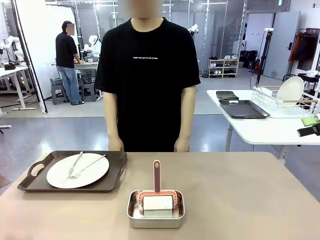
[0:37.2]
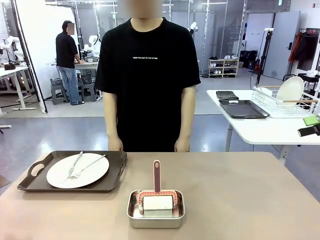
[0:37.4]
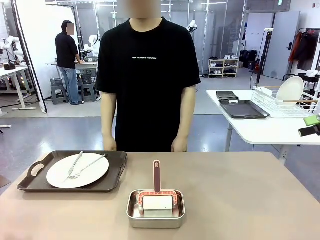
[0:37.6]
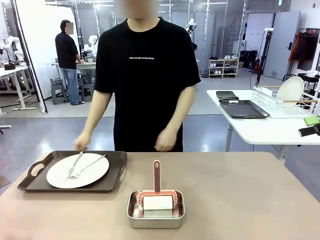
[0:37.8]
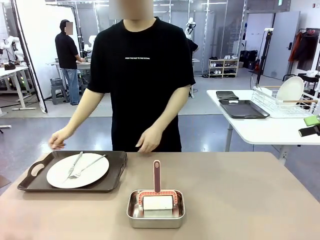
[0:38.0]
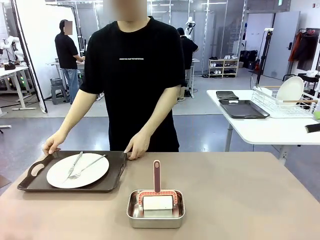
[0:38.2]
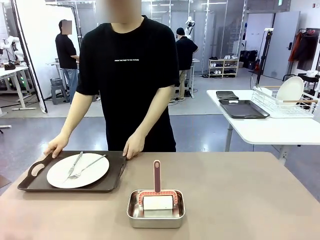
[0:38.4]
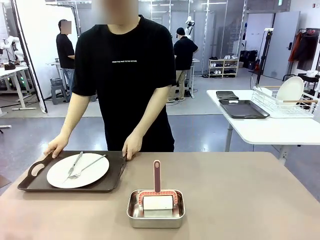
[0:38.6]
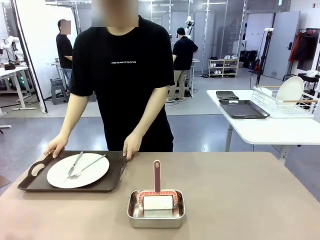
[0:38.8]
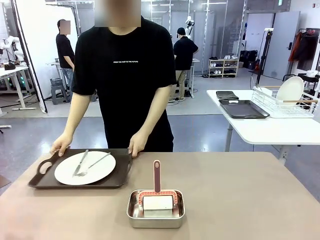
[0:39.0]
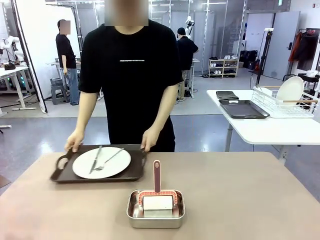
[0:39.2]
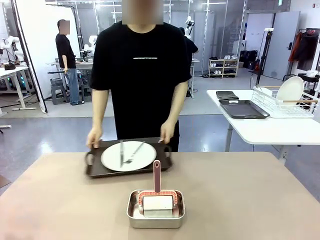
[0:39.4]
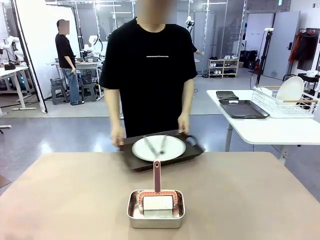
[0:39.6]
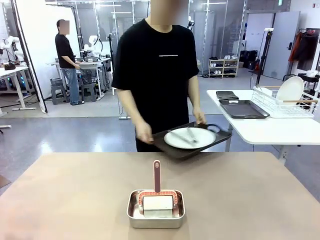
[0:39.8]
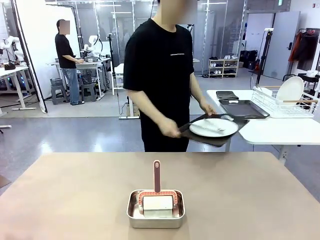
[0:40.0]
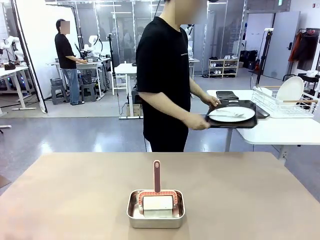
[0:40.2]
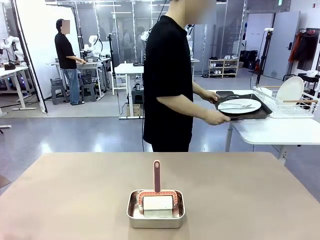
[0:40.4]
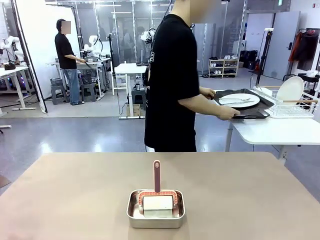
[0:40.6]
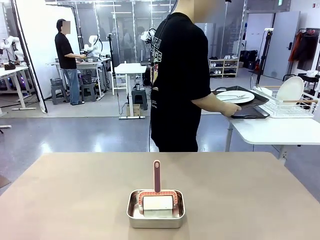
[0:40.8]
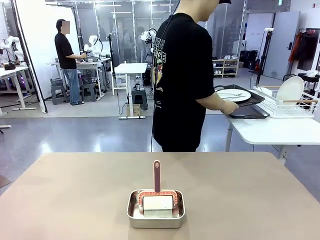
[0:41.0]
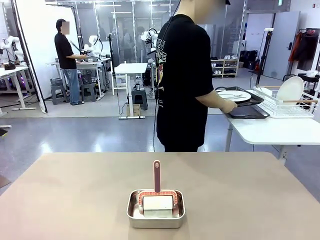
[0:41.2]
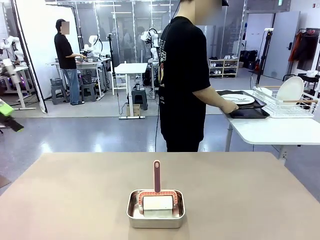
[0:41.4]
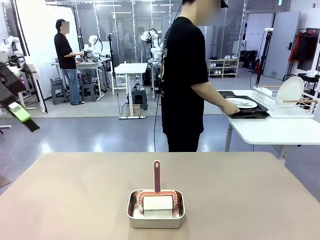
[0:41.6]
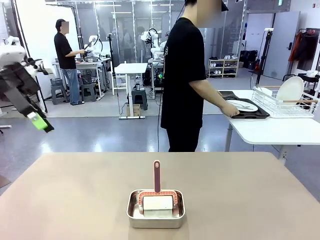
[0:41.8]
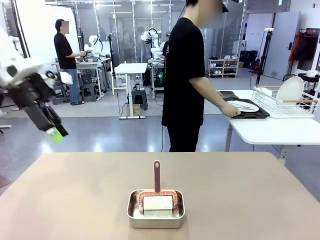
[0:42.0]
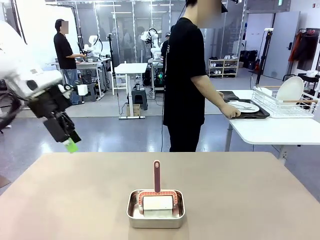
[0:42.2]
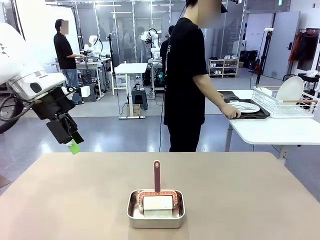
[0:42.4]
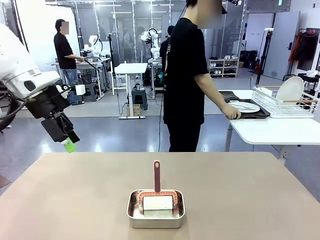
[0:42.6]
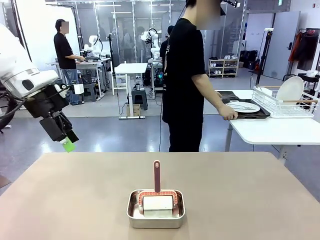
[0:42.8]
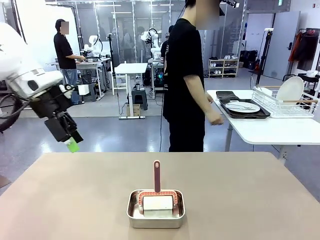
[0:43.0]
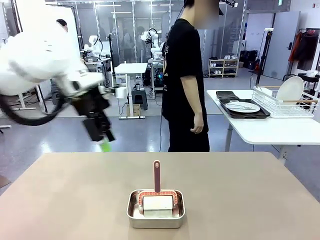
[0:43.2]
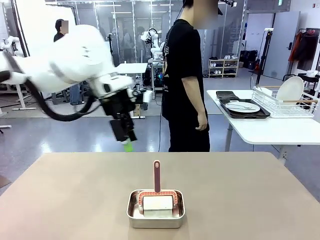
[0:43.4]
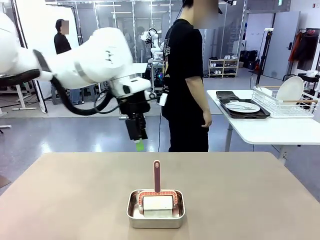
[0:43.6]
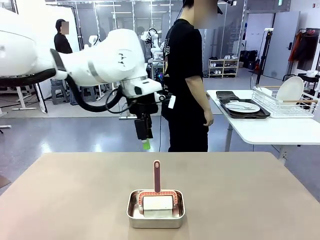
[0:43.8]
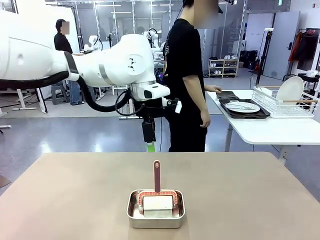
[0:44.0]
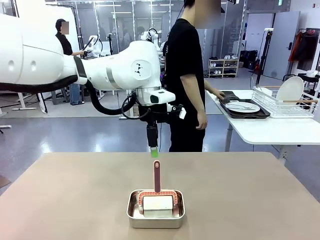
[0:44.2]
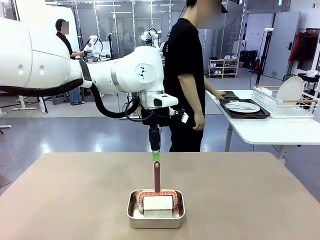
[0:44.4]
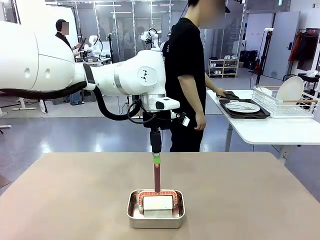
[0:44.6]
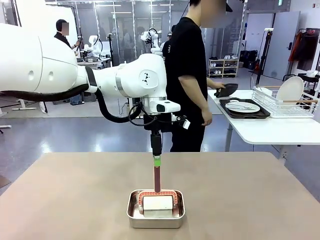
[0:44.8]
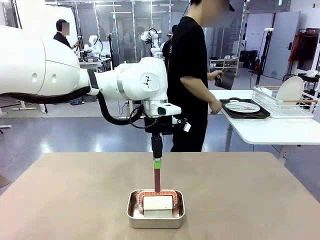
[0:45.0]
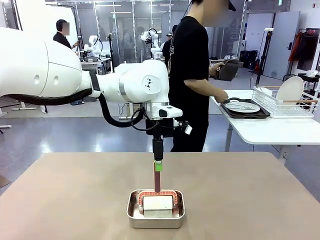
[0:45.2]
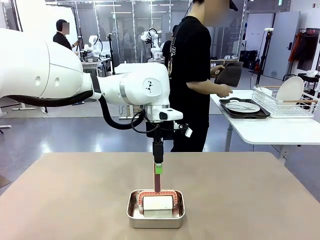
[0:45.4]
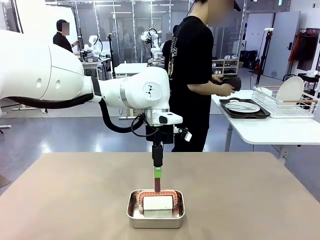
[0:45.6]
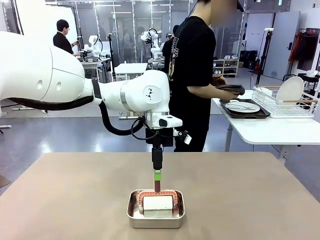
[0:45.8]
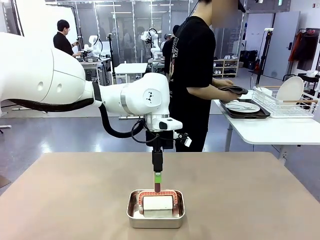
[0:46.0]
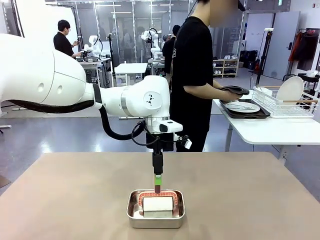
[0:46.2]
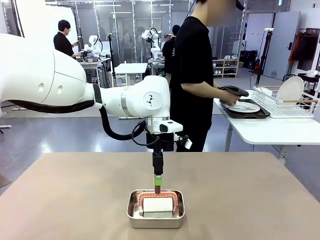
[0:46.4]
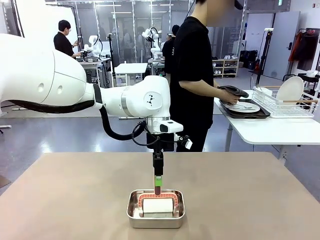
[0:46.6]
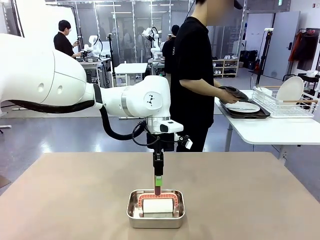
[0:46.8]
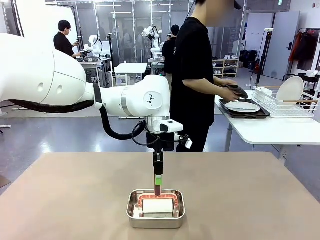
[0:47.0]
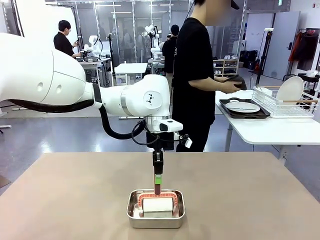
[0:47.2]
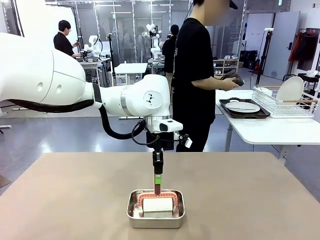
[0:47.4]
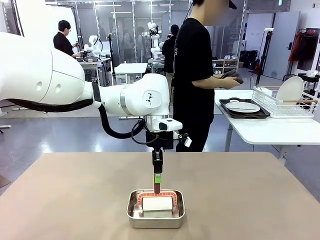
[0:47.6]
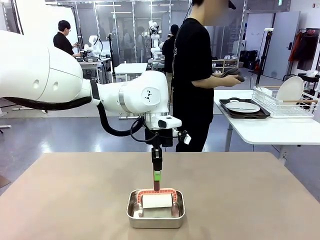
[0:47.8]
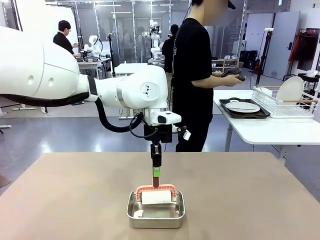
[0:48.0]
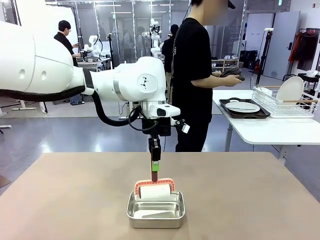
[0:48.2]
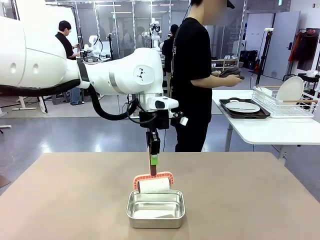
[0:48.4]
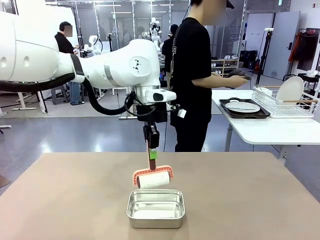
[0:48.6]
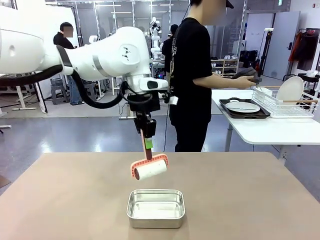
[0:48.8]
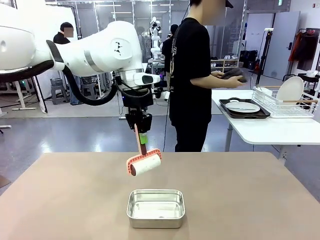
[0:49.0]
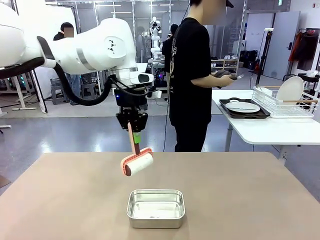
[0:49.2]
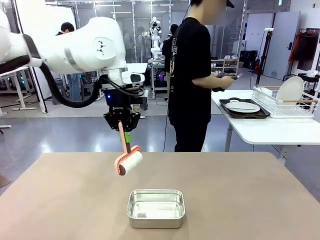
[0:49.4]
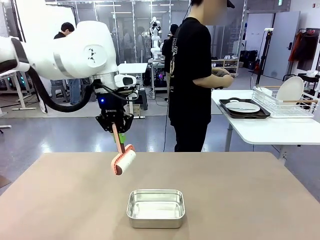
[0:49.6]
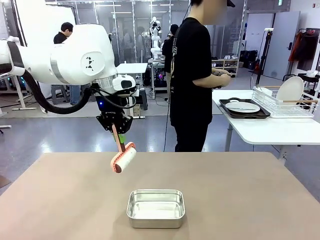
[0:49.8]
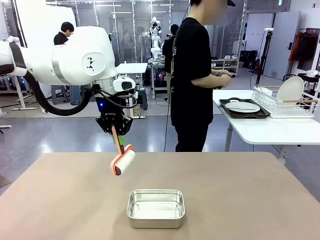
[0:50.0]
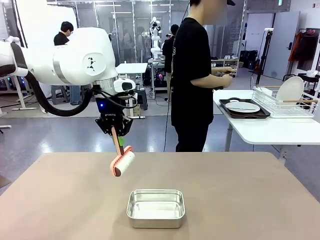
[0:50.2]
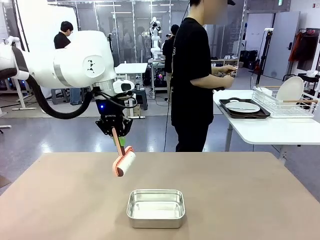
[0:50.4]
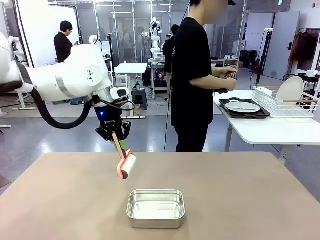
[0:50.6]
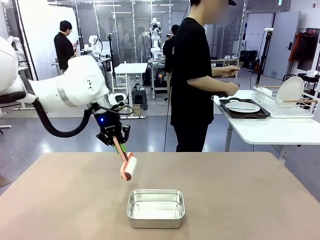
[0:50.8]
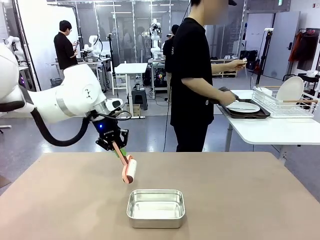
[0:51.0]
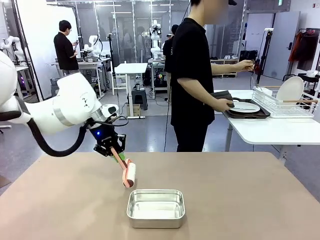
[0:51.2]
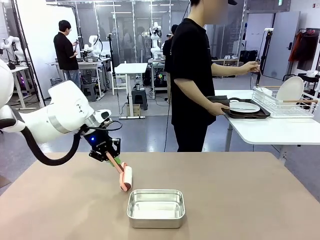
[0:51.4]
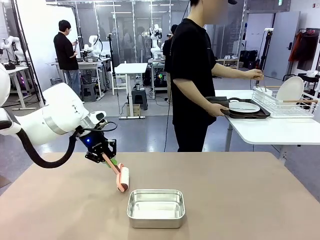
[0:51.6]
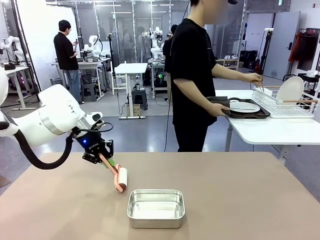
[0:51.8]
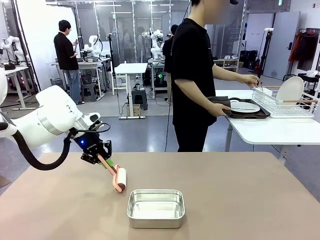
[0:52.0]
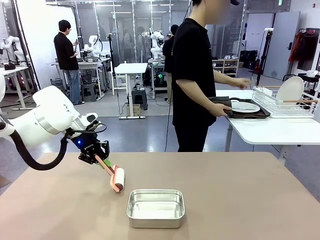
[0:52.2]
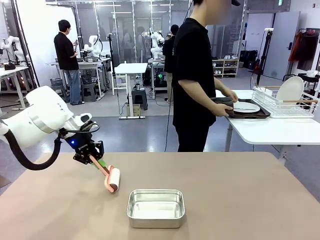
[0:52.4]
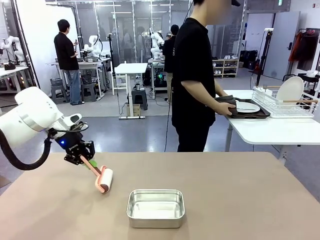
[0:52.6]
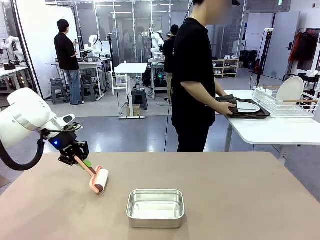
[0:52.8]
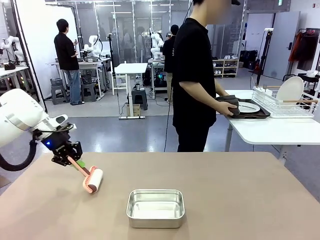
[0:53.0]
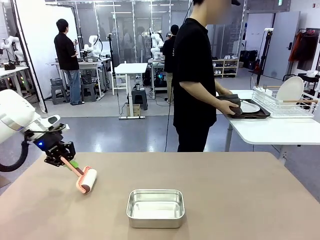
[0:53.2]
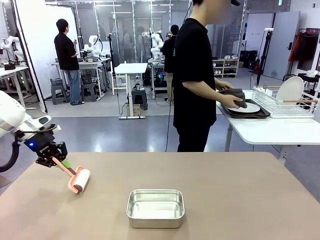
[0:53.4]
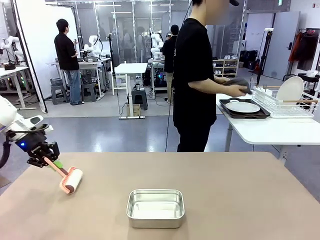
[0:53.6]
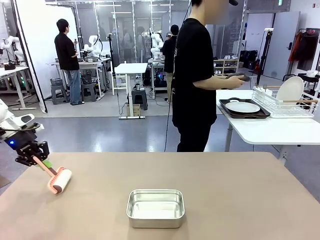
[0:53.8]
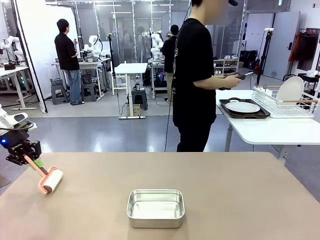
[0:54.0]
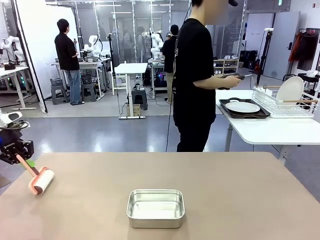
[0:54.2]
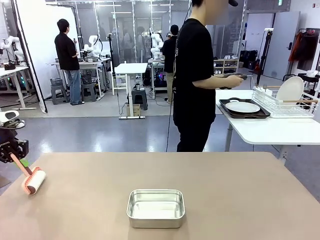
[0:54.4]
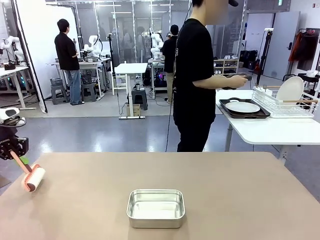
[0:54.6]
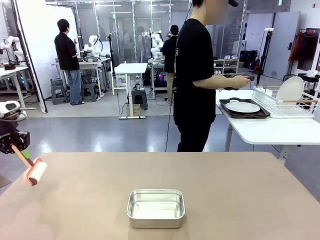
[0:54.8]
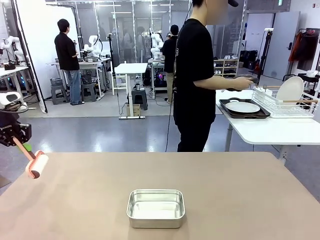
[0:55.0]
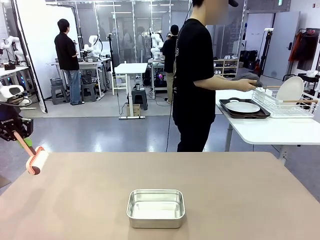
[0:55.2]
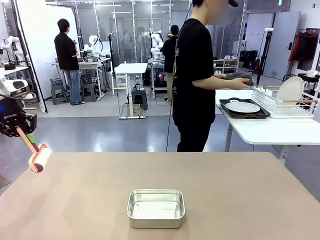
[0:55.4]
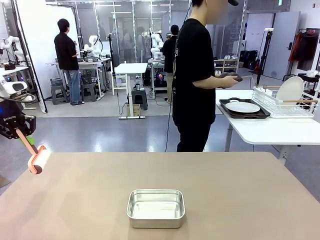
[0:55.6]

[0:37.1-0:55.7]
Robot: When the right (or left) Handle tray is removed, use the right hand (or left hand) to clean the right (or left) side of the table with the Lint Roller.

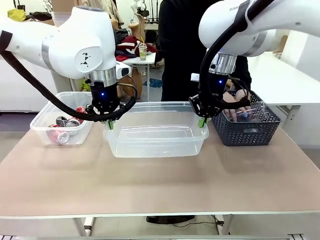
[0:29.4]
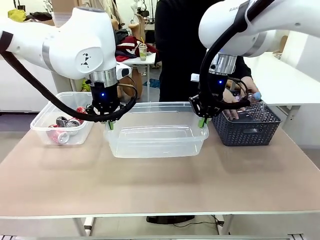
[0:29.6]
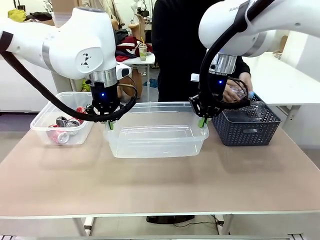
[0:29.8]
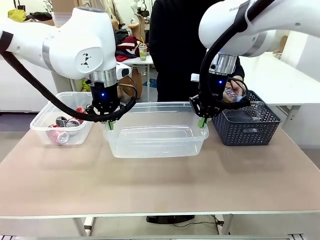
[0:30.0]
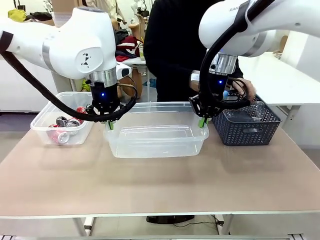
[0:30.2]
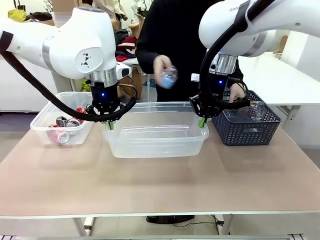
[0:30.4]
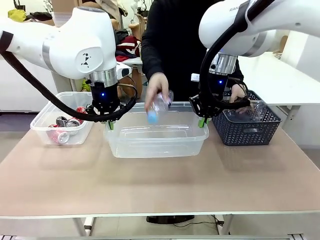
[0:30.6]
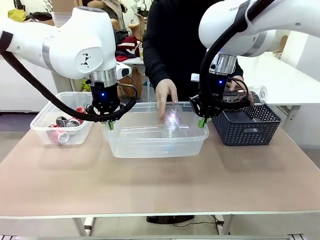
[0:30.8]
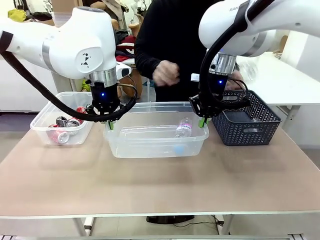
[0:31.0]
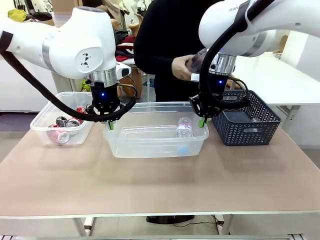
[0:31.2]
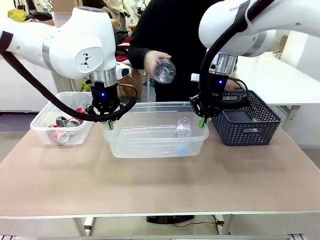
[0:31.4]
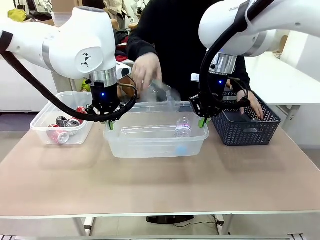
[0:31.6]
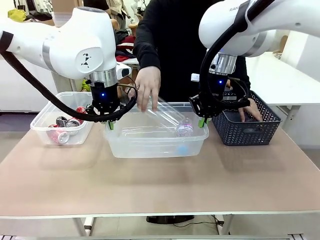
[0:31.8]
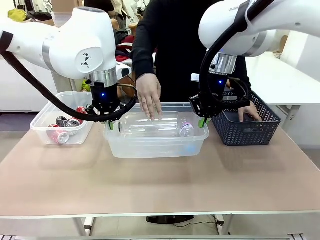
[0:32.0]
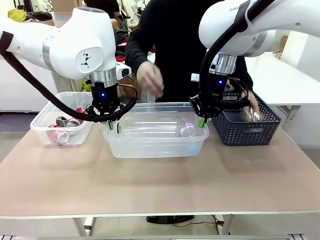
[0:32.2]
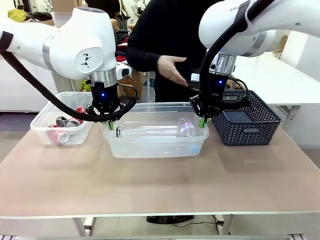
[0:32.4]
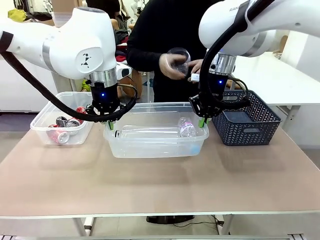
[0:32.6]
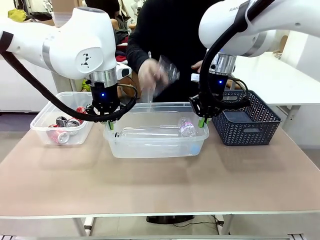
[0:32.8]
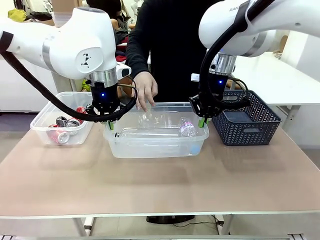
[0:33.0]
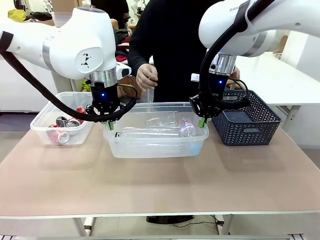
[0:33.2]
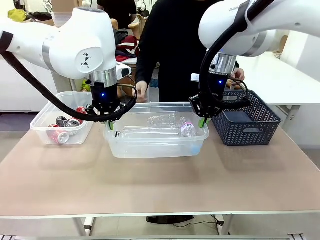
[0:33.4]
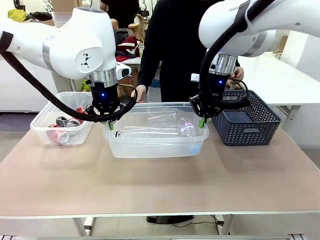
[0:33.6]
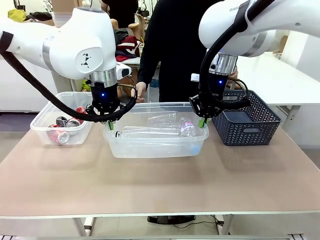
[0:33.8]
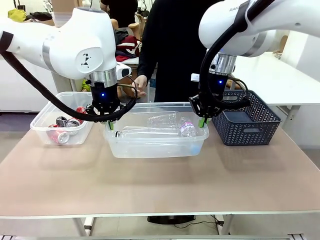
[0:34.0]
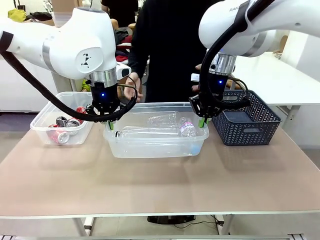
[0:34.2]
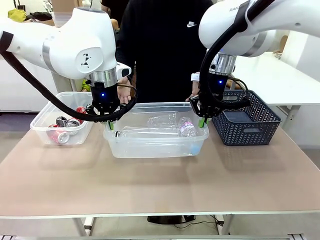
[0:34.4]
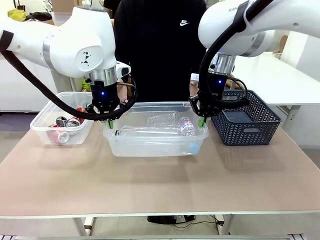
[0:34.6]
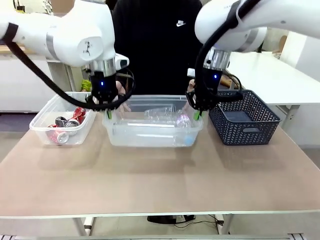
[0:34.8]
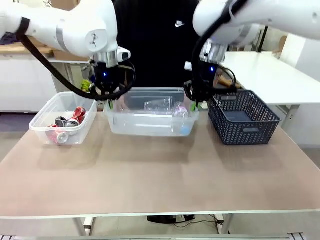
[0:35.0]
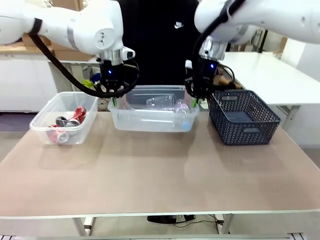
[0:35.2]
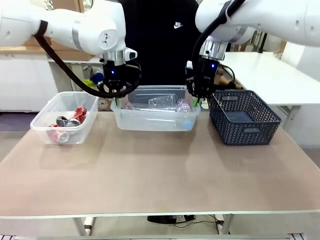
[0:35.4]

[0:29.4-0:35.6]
Robot: Offer the picked Organizing box to the human.
